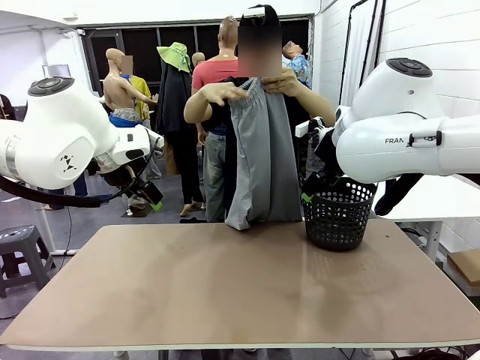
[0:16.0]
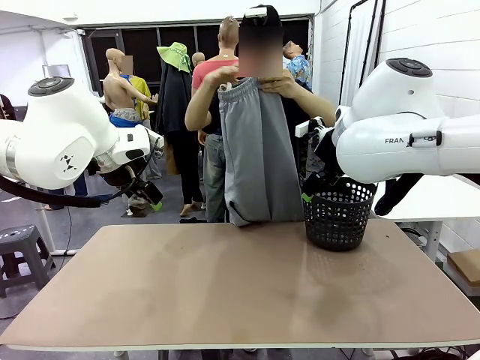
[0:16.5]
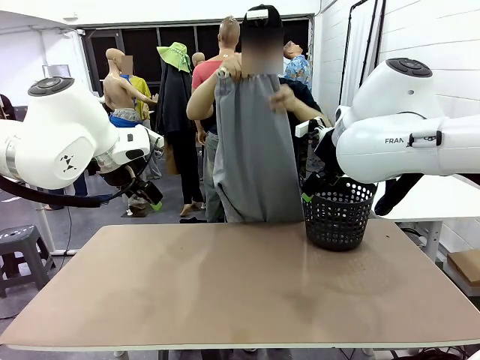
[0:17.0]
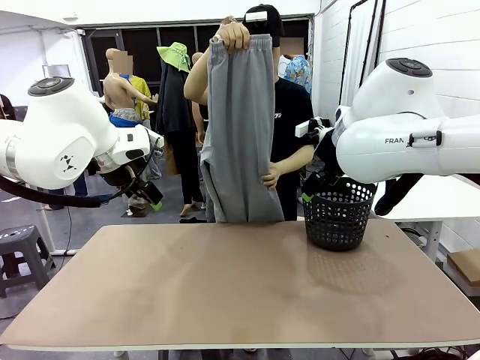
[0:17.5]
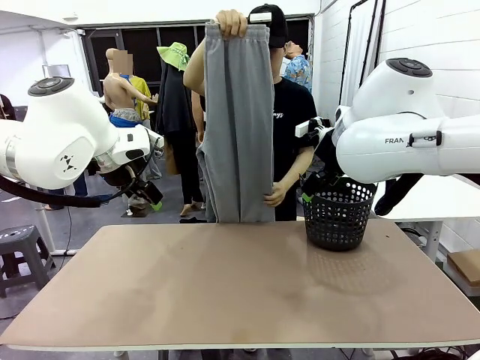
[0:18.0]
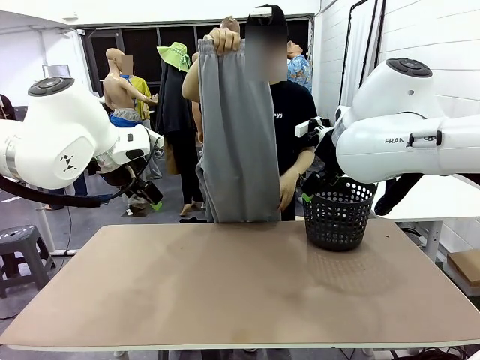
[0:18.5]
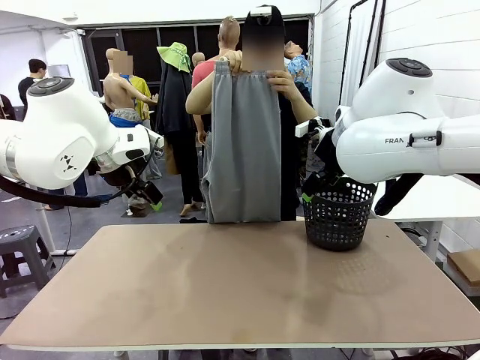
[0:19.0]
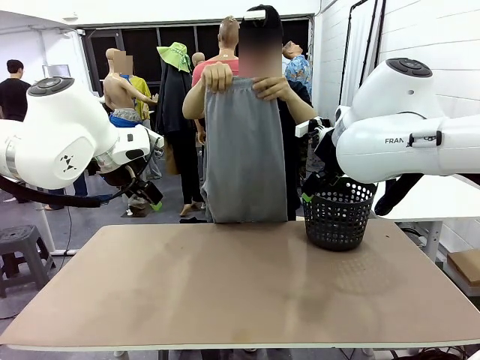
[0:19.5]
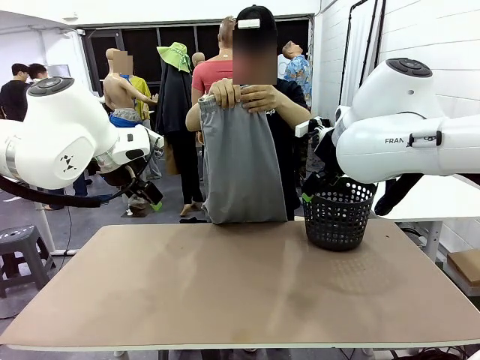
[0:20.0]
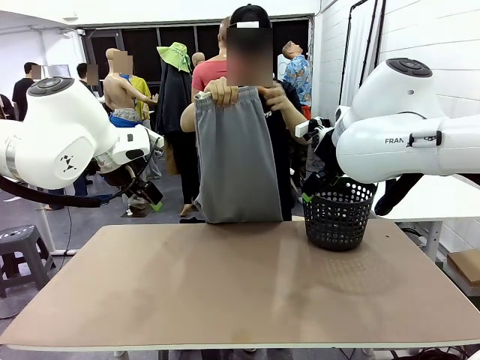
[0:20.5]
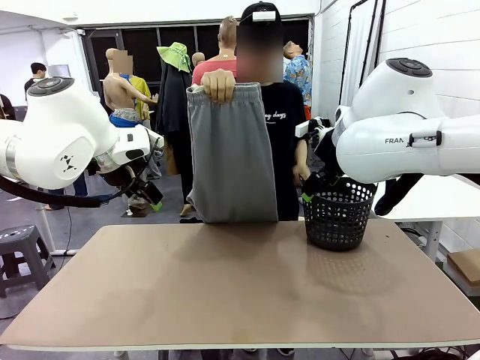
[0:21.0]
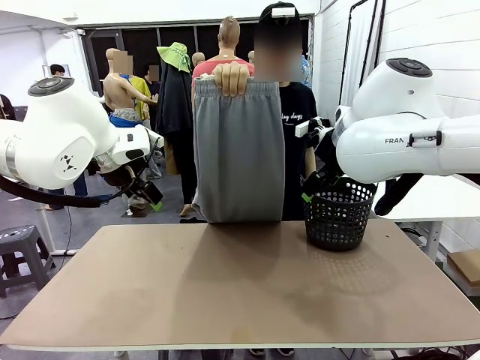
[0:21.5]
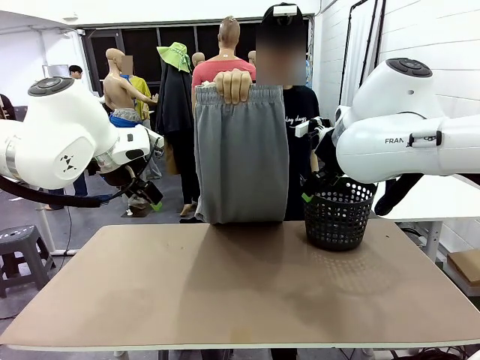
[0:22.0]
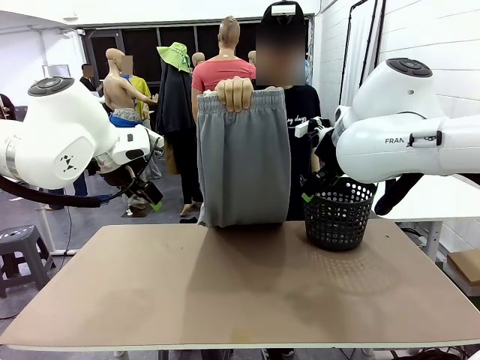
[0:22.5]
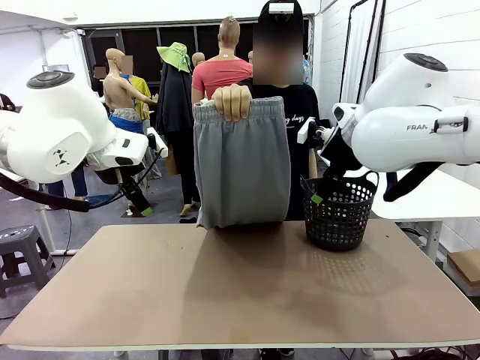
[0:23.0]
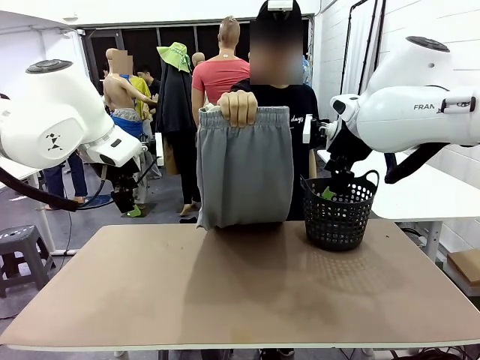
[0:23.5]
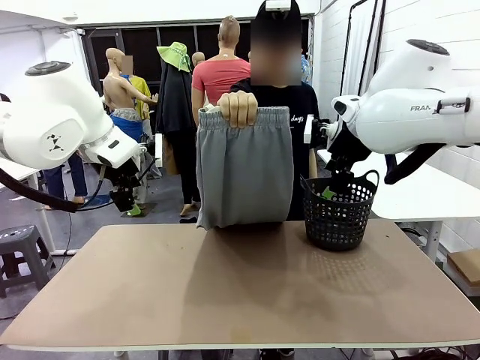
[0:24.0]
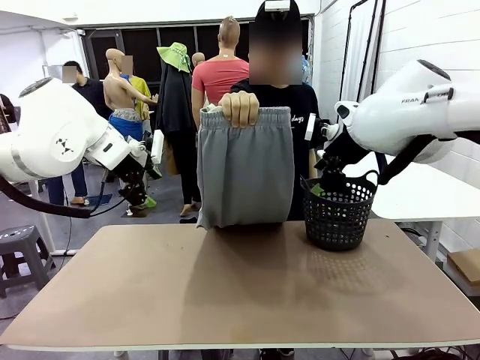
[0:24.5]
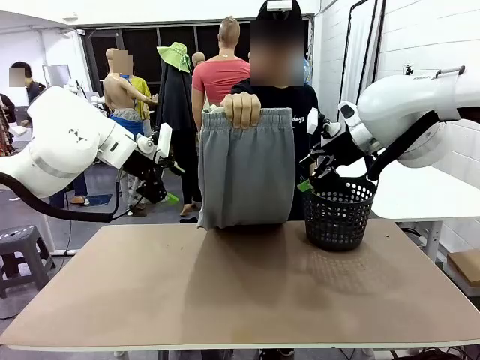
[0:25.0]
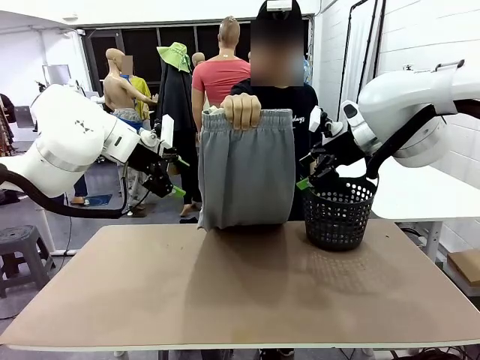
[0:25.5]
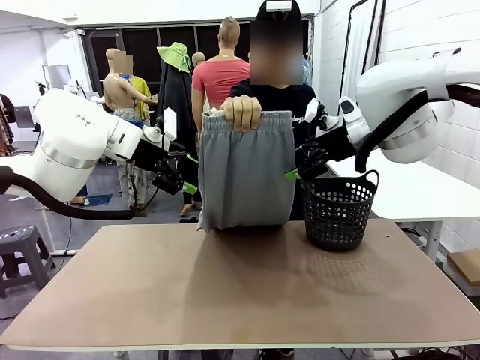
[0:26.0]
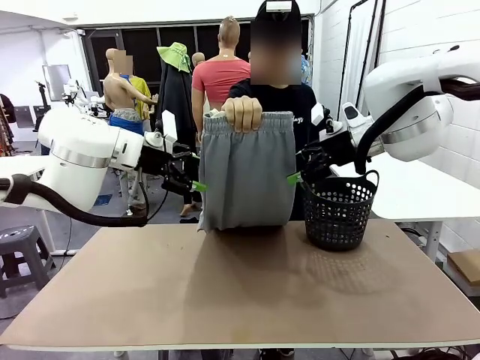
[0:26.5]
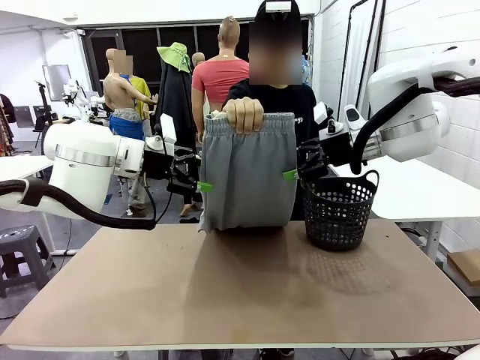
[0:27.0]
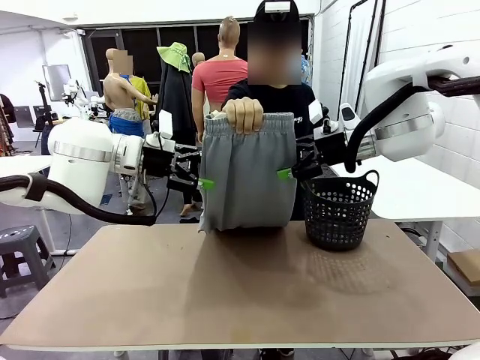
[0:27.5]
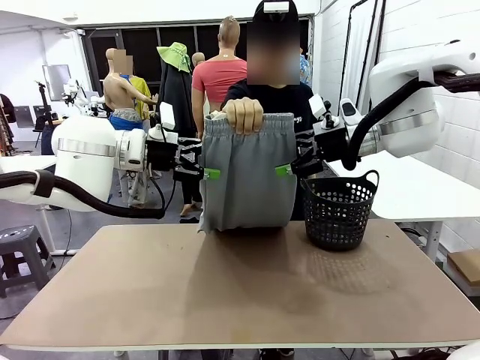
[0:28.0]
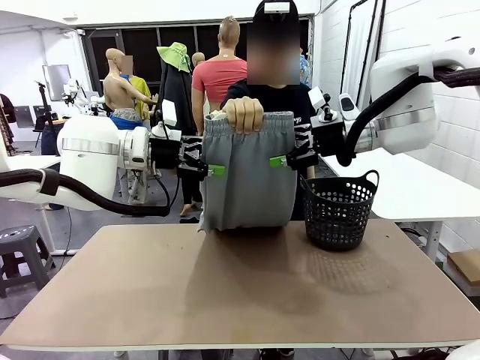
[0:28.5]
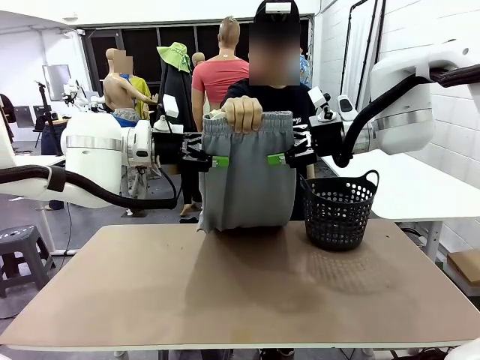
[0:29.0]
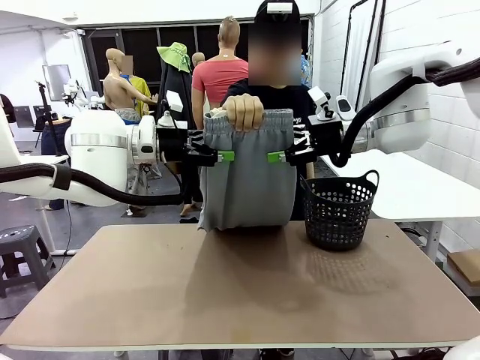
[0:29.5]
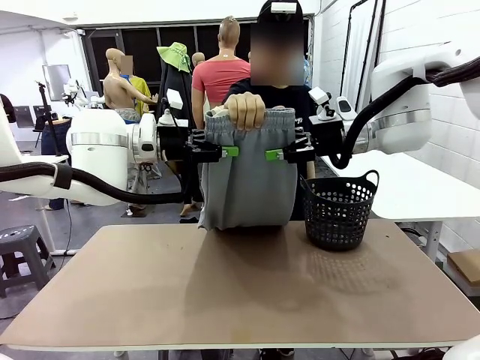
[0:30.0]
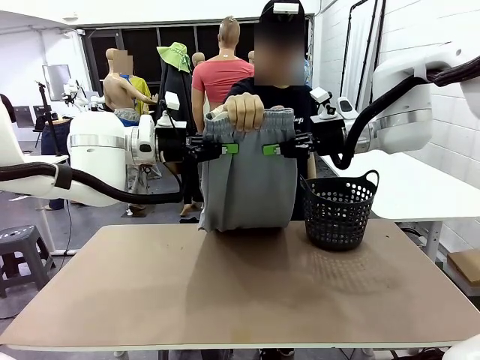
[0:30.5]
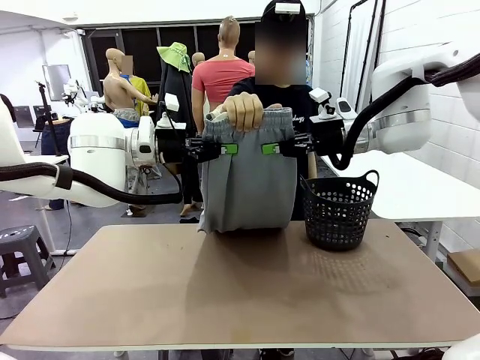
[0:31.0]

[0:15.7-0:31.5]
Task: Fold the training pants.
Robot: Grab both ends of the Training pants handed by a person.

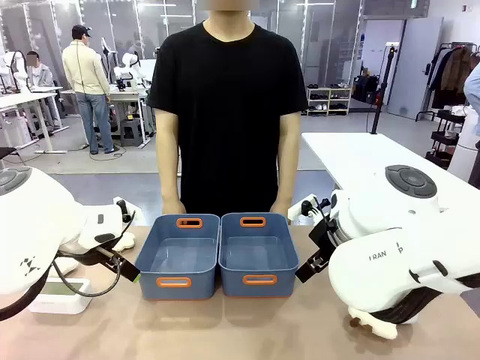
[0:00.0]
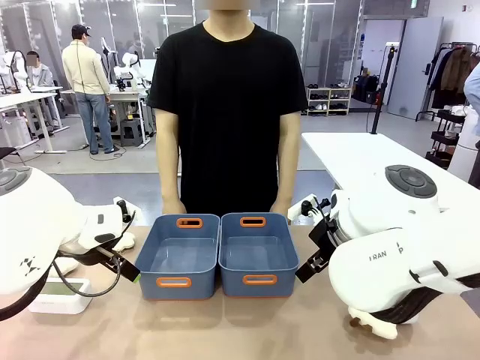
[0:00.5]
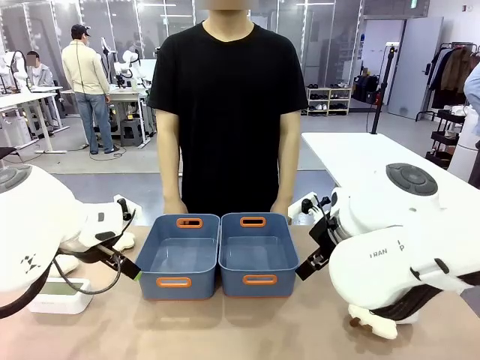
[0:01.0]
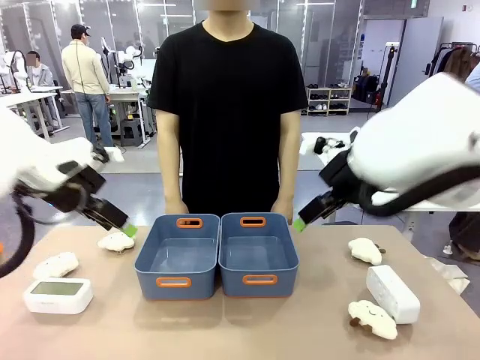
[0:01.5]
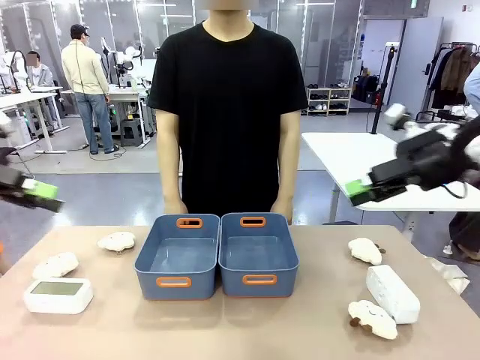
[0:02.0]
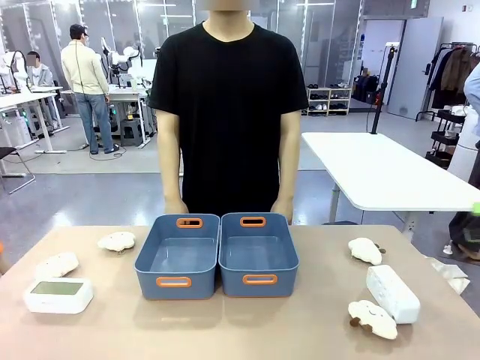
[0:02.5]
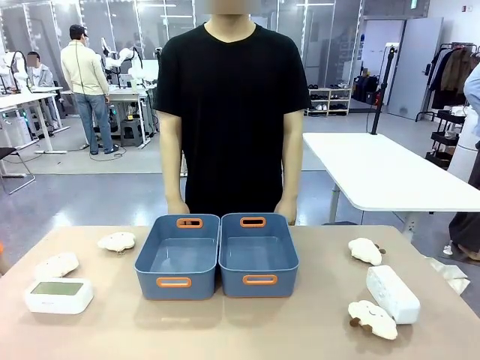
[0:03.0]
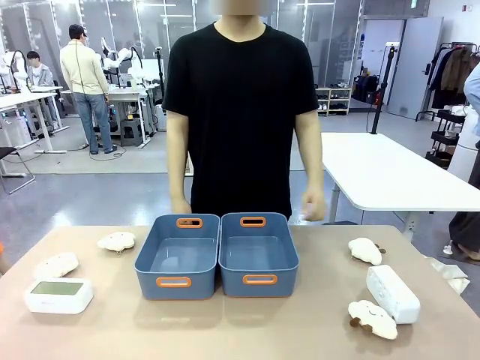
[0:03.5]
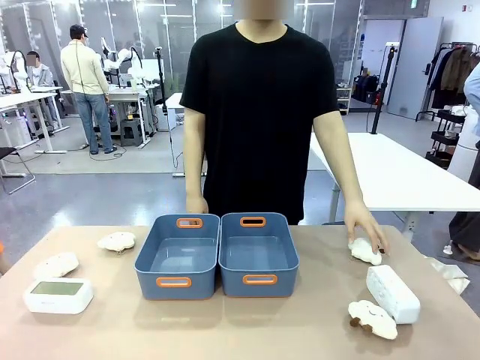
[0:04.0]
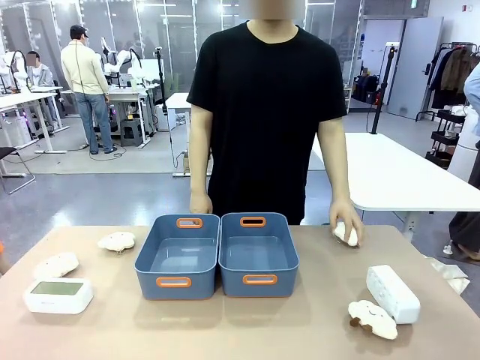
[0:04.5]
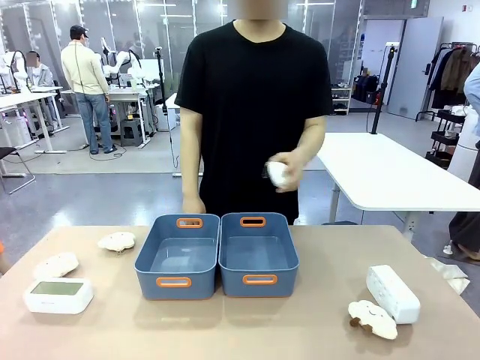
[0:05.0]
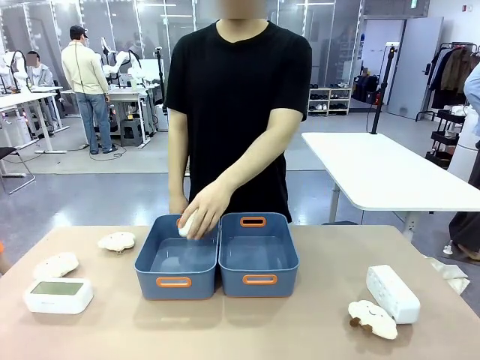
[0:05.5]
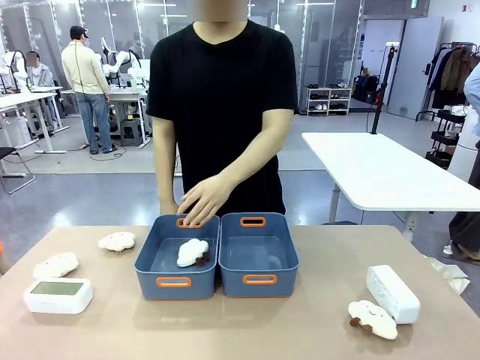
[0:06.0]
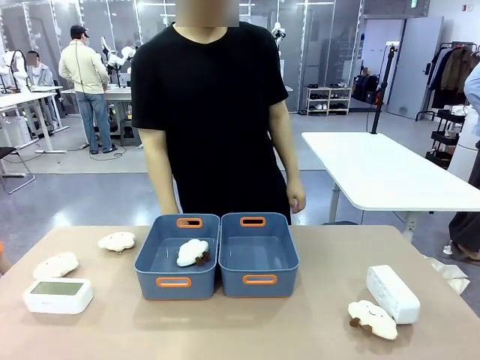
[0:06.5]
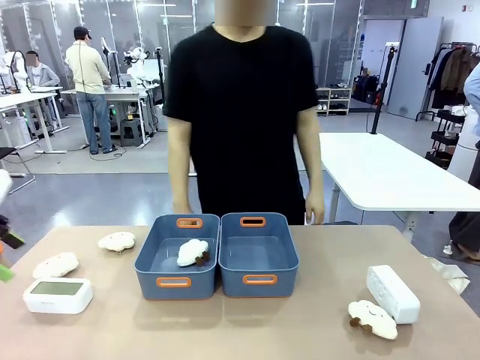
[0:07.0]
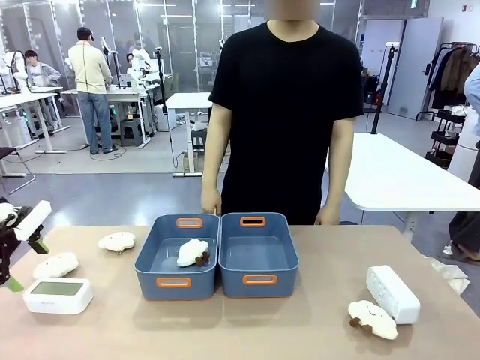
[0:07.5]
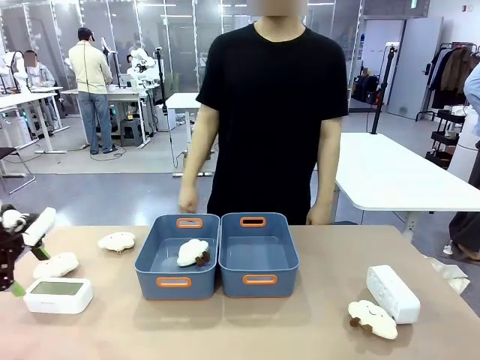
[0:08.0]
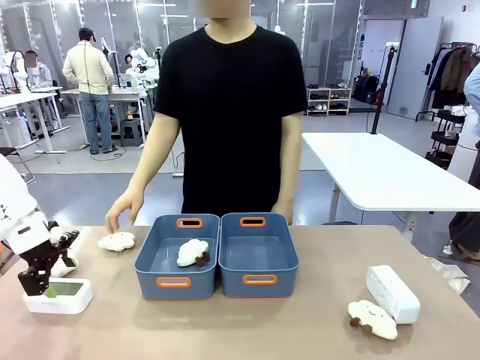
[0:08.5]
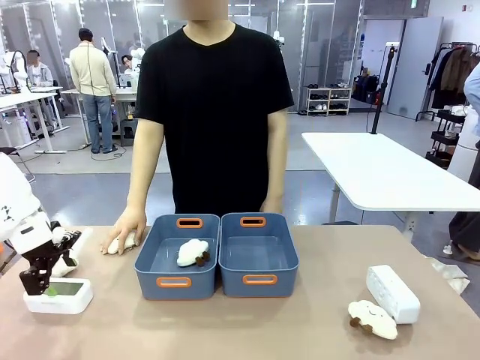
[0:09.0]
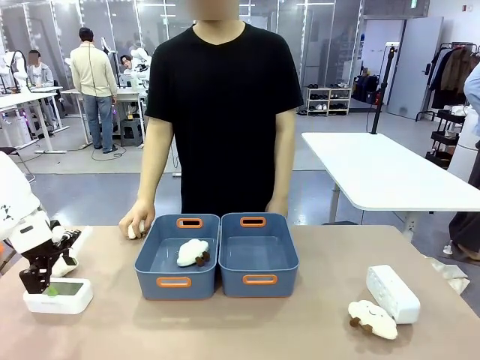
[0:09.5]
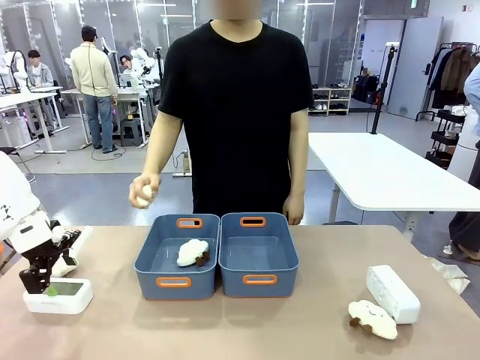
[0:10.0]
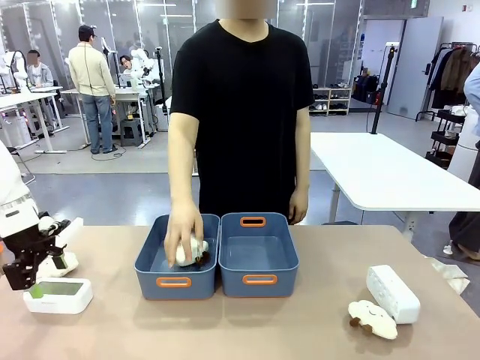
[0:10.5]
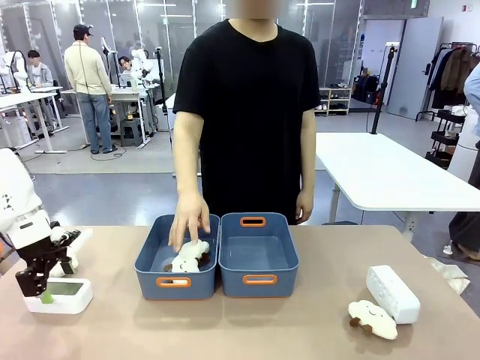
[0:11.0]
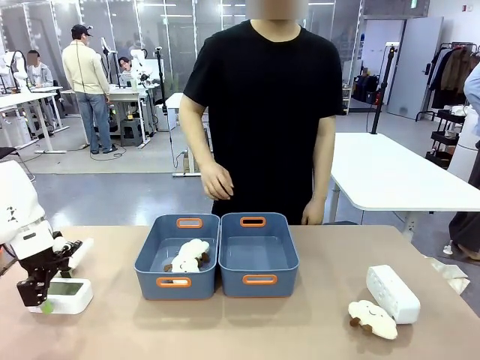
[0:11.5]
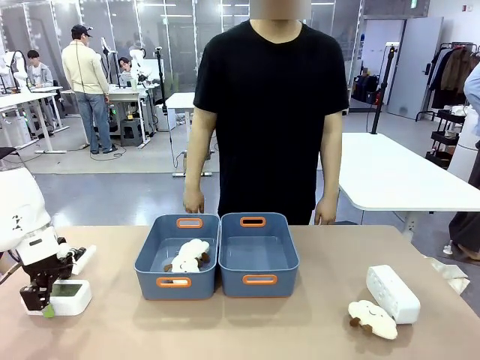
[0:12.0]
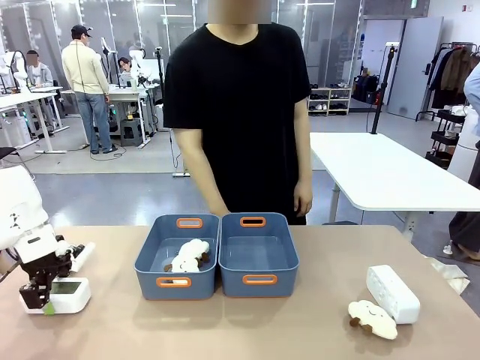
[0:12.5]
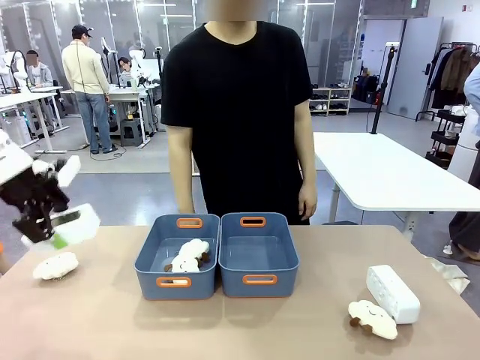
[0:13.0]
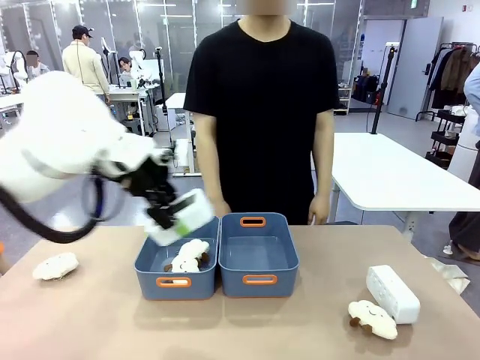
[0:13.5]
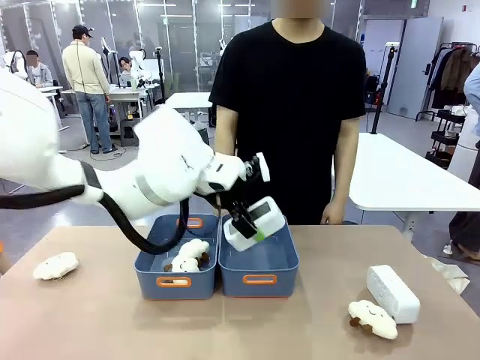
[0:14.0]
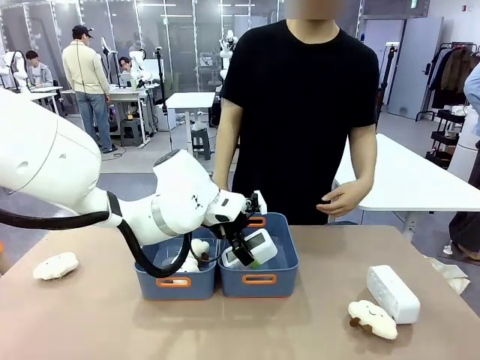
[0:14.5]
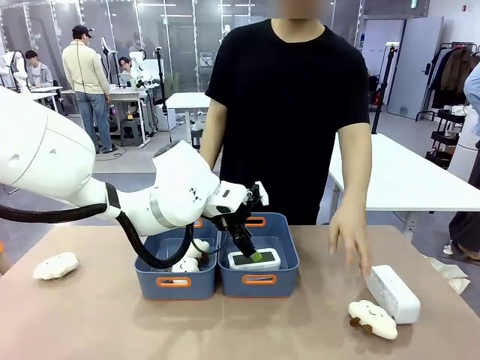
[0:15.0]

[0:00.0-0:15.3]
Task: Sort the digital clocks into the basket.
Robot: Pick up the Digital clock from the table and place it into the empty Plastic storage basket.
Person: Pick up a plush toy from the table and place it in a plastic storage basket.
